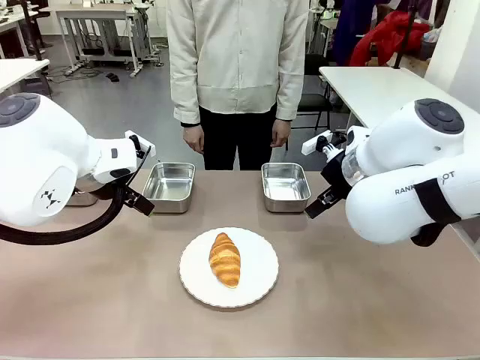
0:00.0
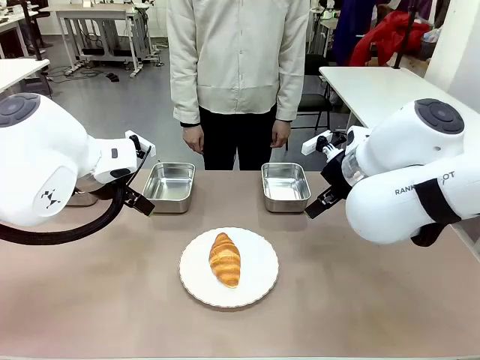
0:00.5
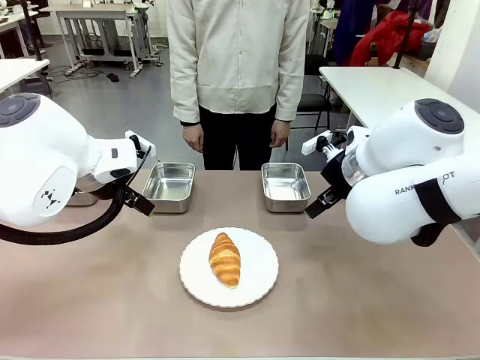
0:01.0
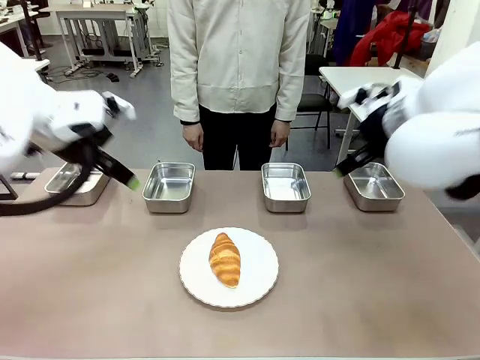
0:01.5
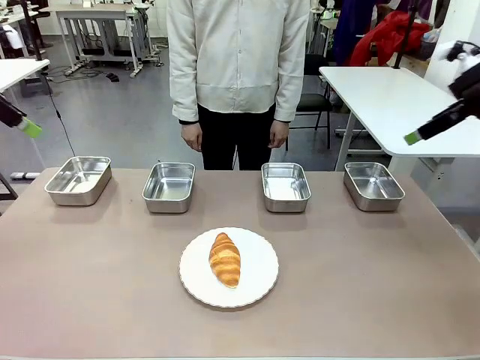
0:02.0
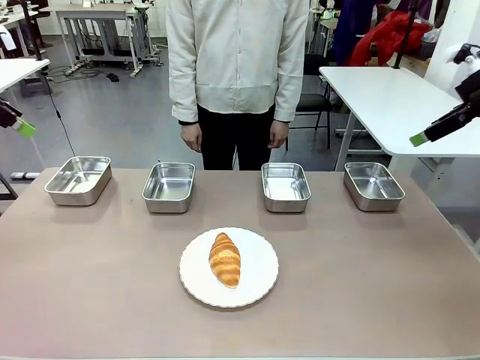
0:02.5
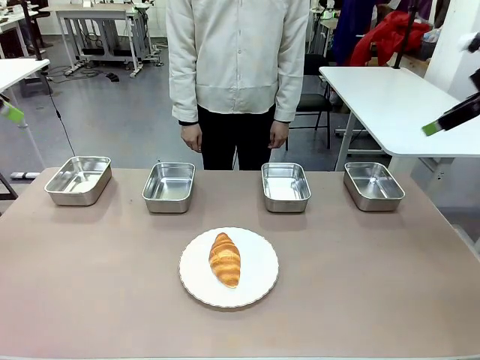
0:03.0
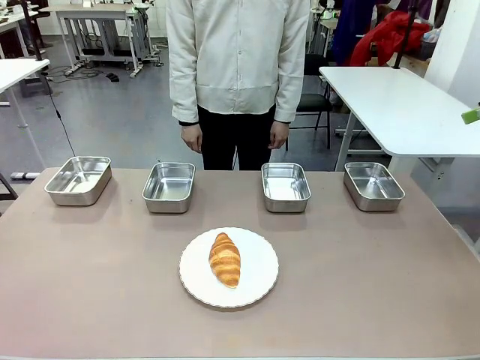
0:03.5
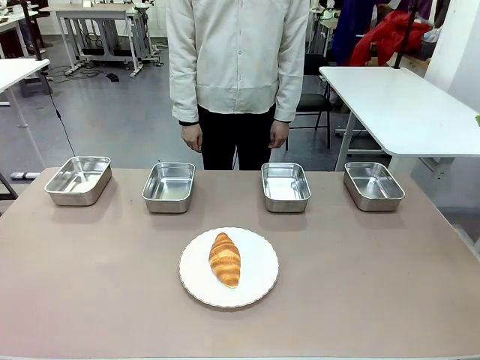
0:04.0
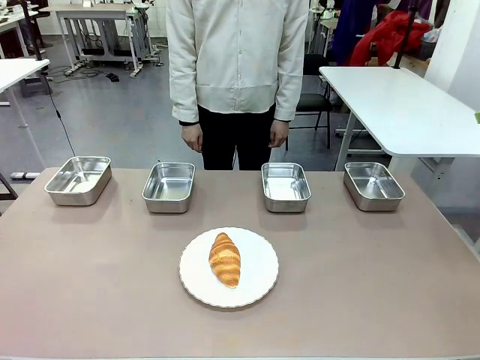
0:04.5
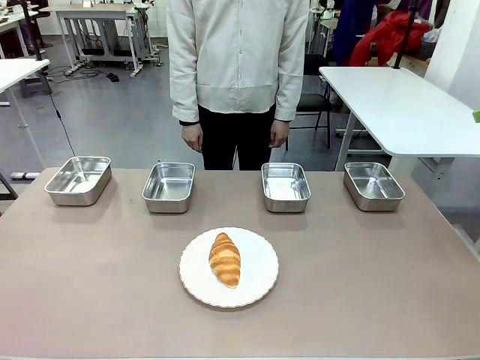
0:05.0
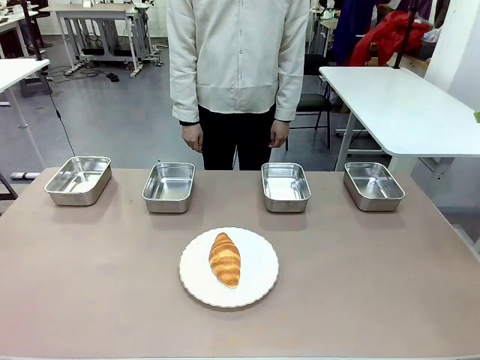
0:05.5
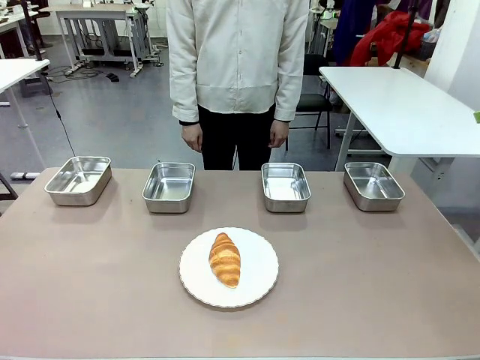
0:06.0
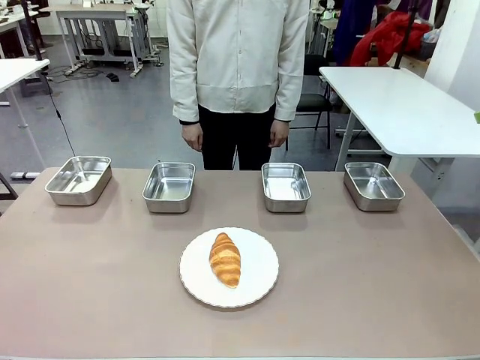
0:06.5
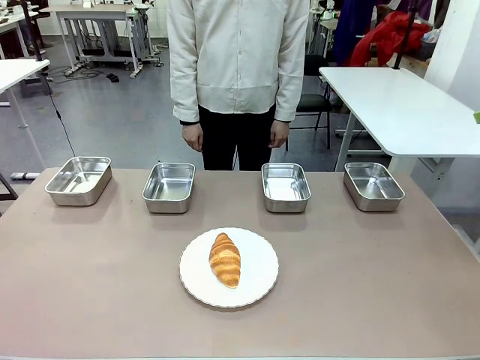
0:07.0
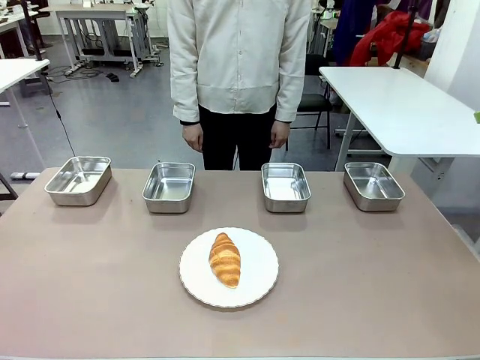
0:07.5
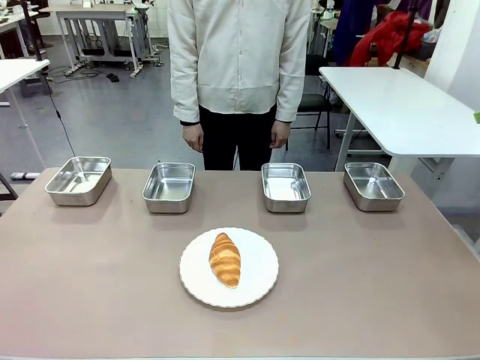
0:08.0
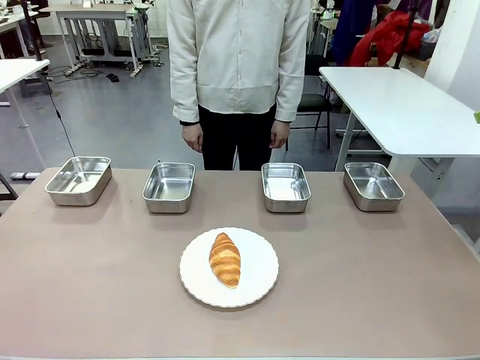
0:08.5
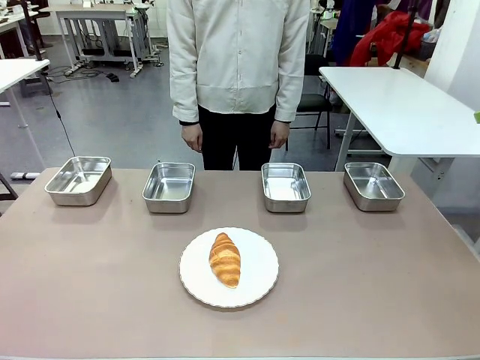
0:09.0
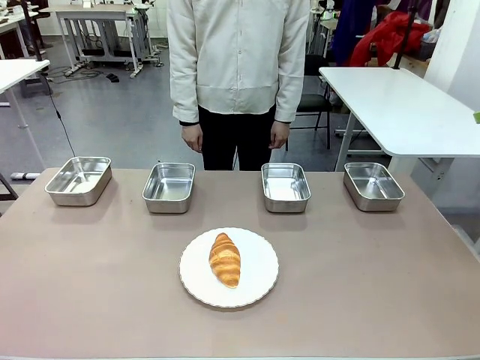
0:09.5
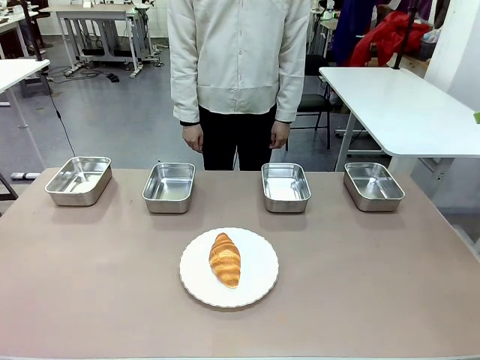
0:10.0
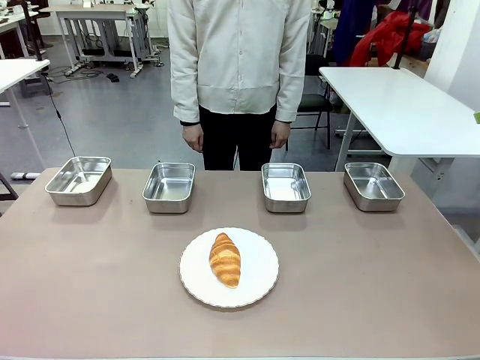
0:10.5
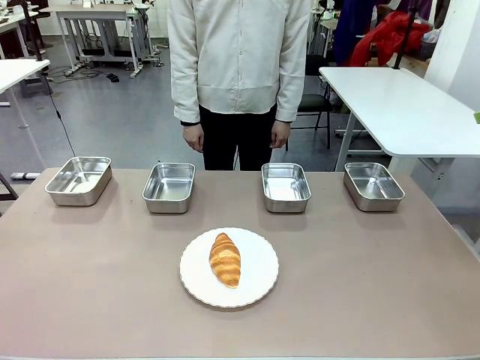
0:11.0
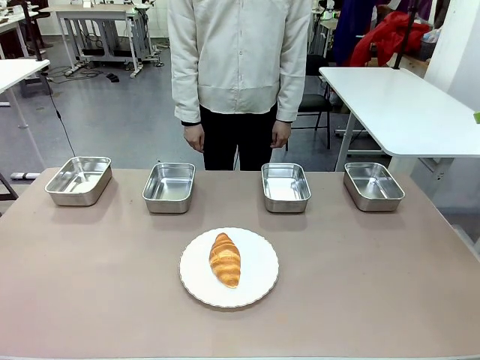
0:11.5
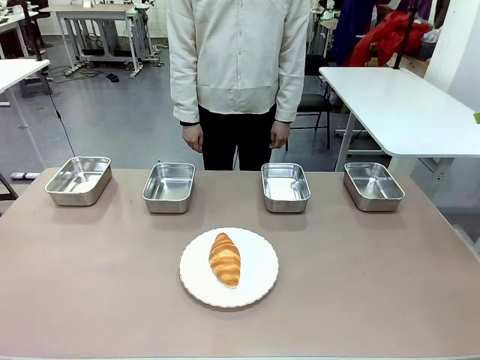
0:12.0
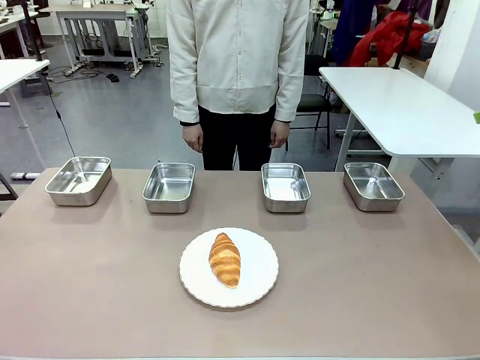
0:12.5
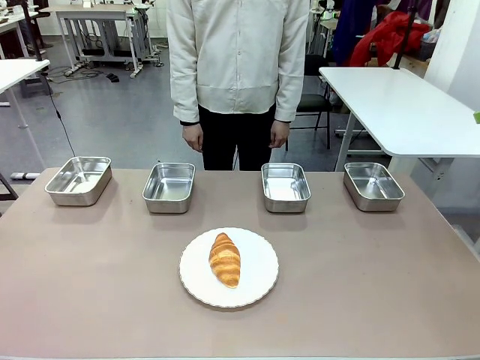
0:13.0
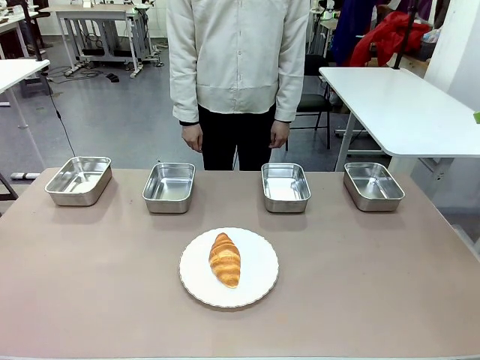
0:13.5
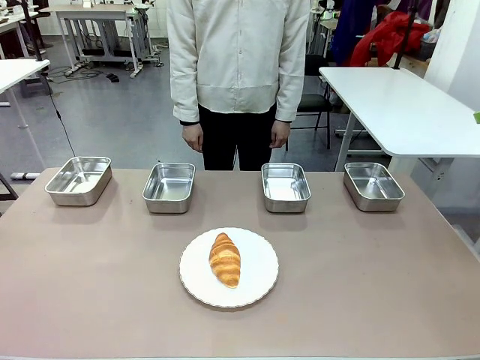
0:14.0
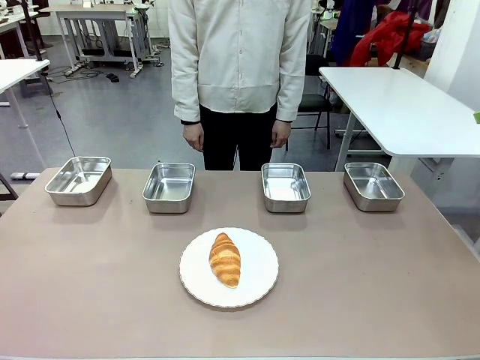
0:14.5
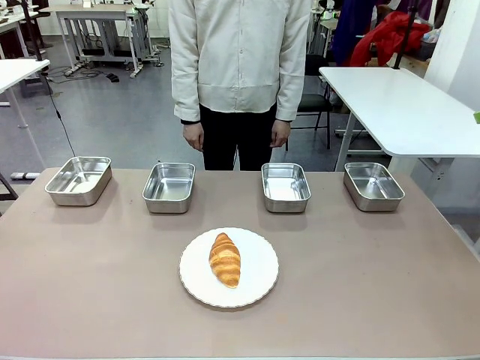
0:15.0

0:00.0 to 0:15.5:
Task: Place the bread in the container.
Robot: Place the Butter Roll into the Airtight Container indicated by the human.

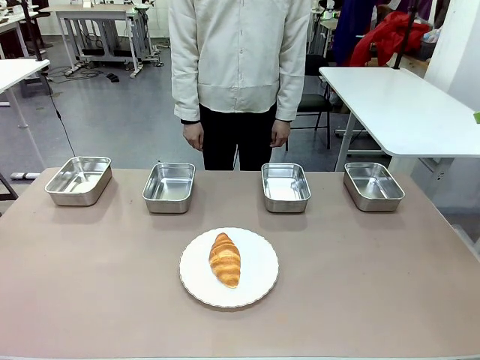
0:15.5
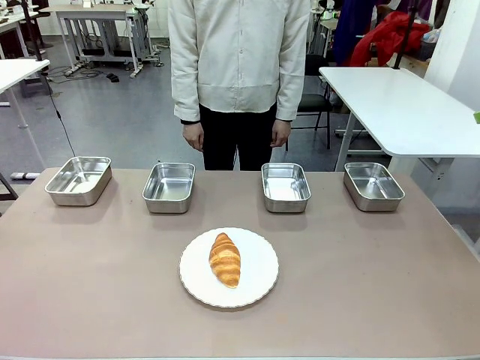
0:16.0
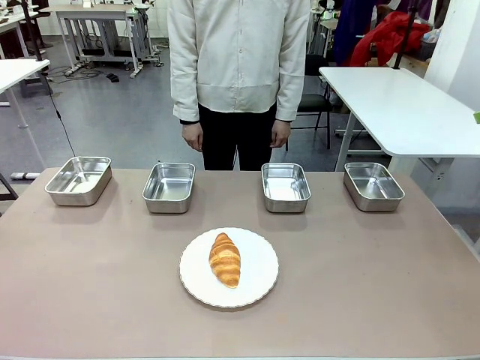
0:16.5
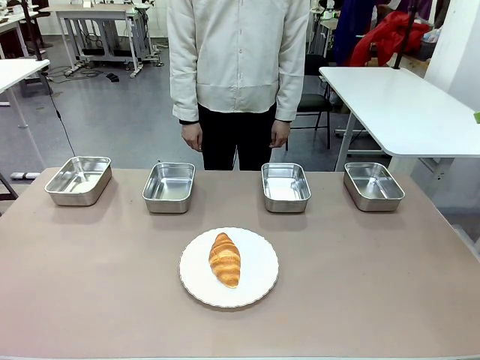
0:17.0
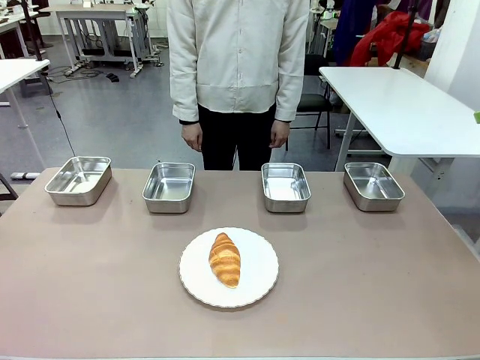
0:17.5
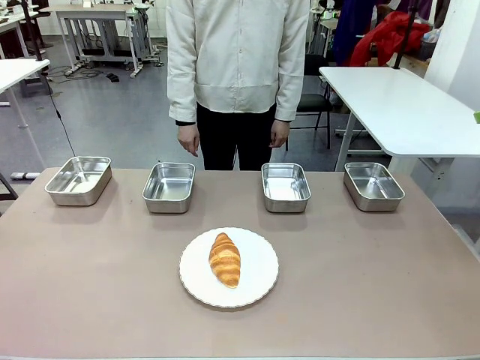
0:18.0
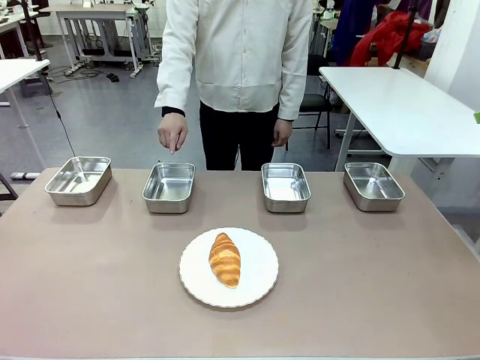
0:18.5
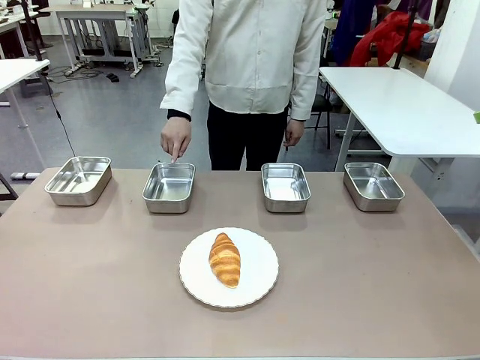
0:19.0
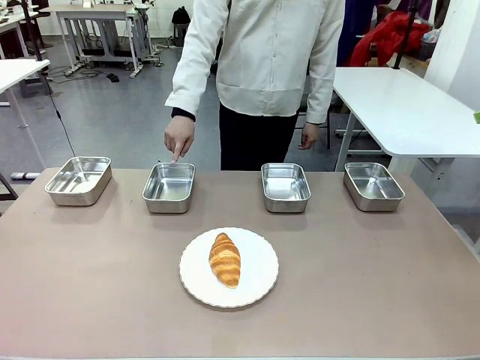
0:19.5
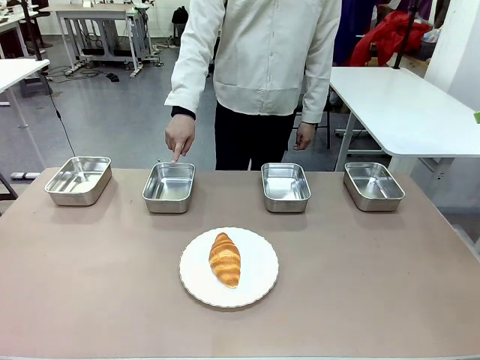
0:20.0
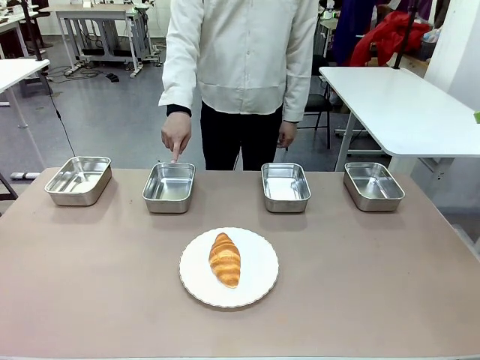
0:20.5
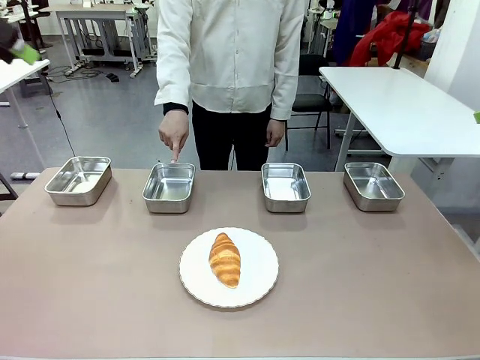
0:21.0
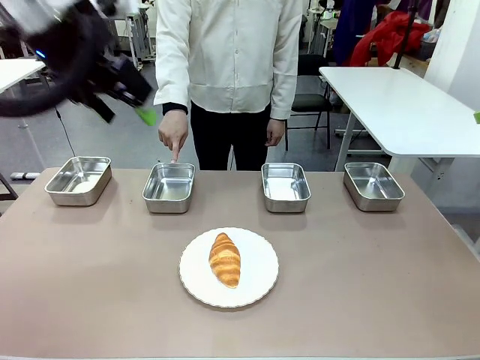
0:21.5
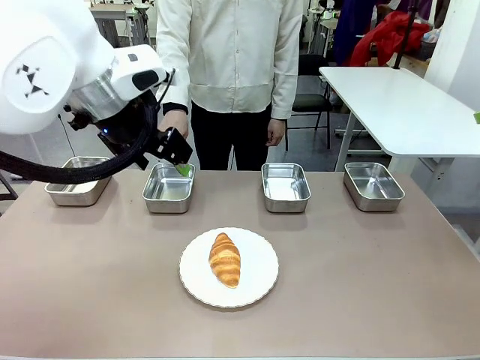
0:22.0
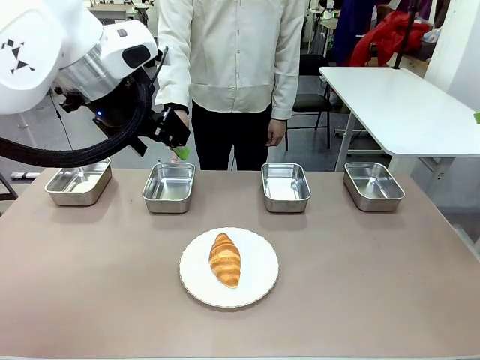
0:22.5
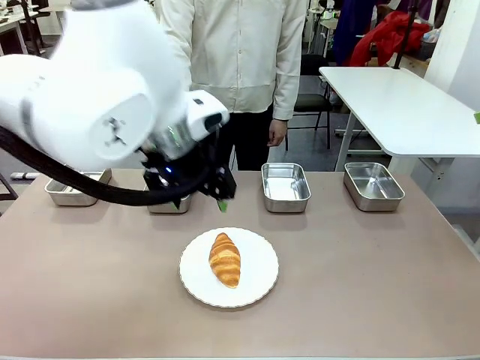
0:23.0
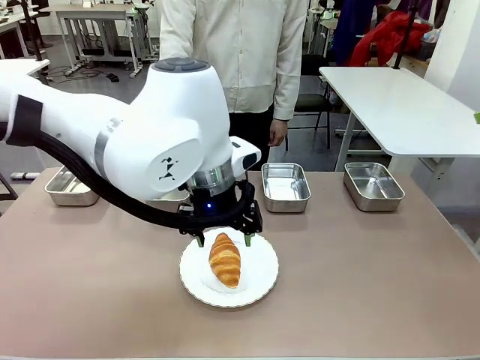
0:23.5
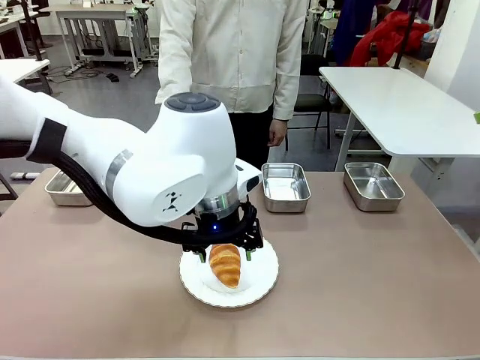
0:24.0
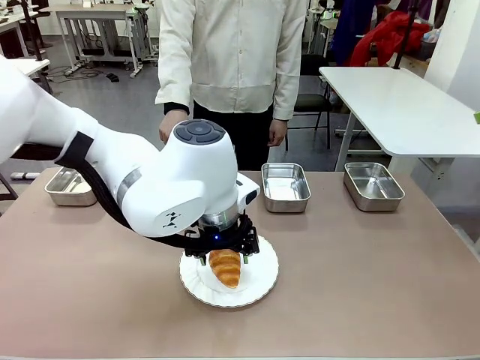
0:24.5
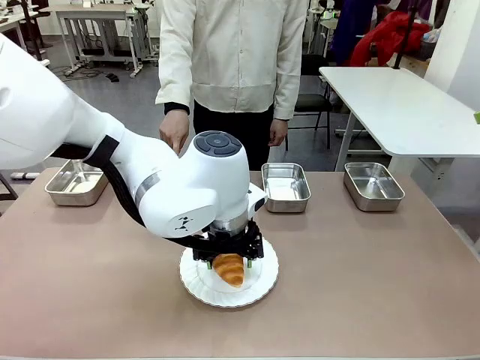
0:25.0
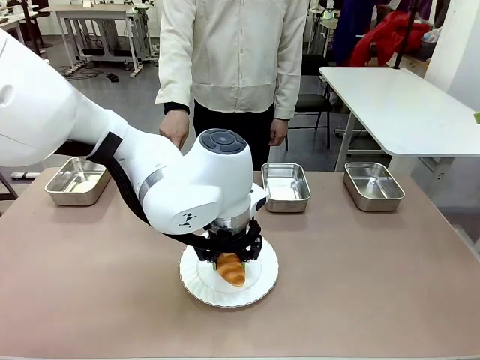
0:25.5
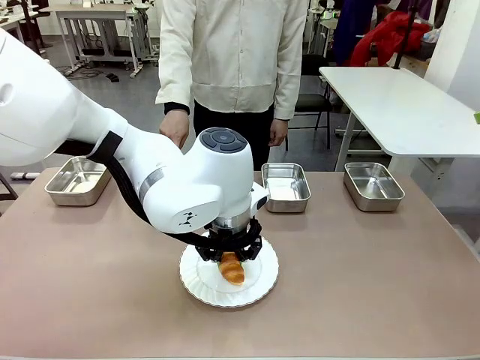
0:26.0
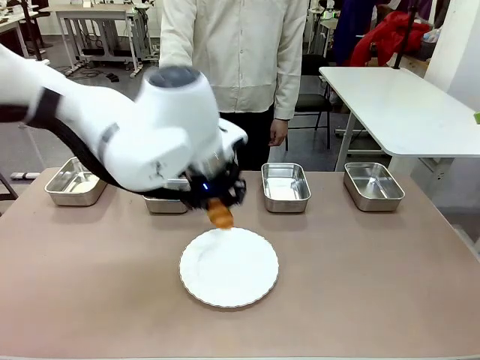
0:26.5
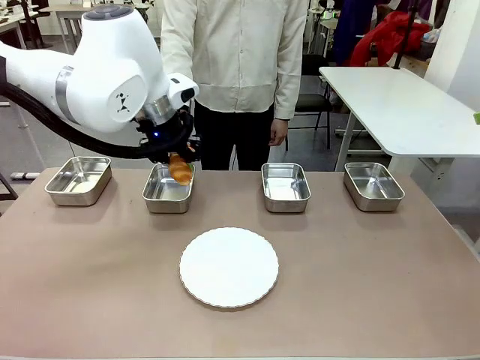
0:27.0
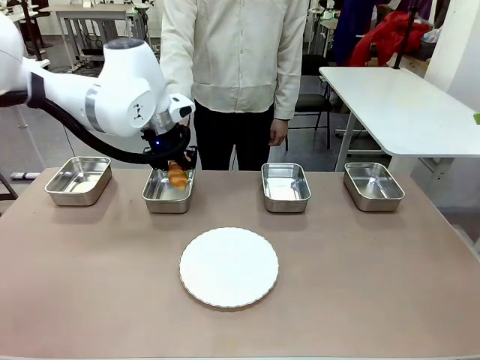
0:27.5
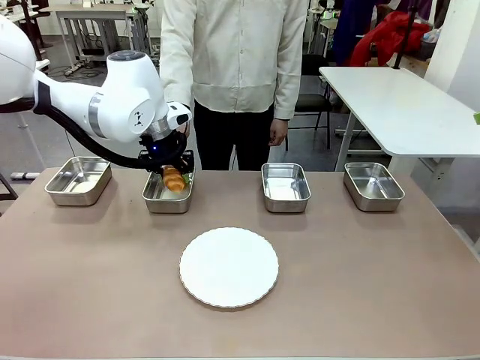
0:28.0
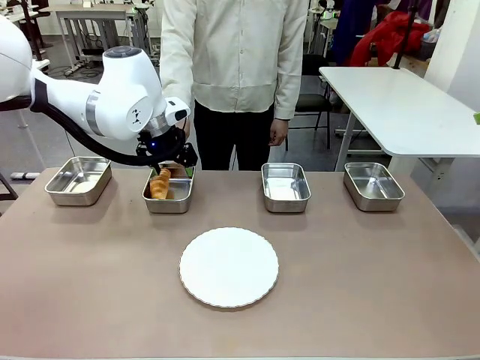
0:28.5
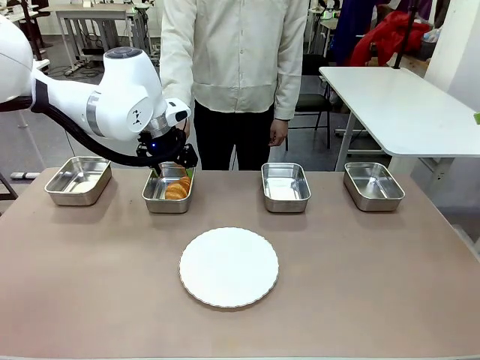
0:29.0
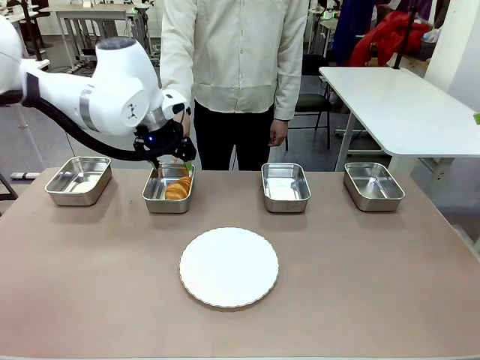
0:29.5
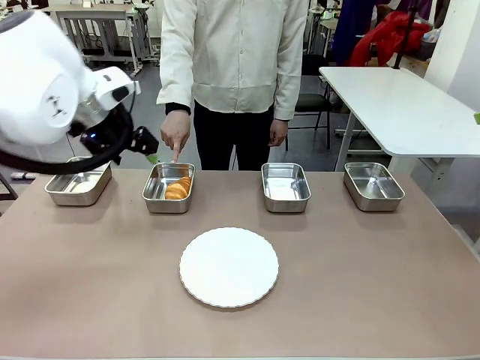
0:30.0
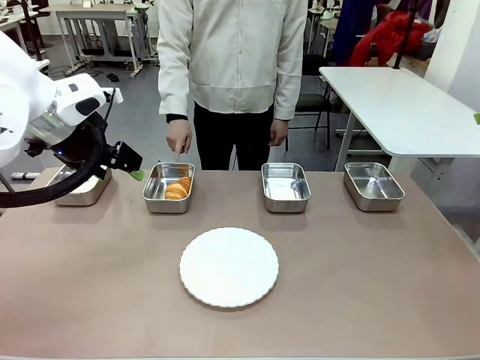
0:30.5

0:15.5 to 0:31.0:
Robot: Place the Butter Roll into the Airtight Container indicated by the human.
